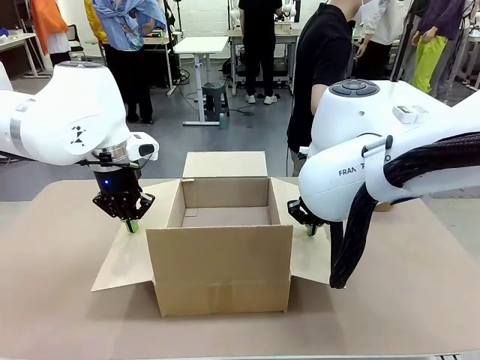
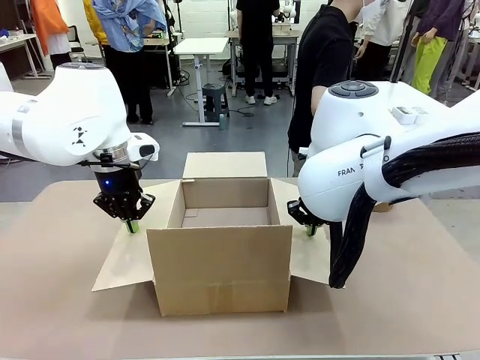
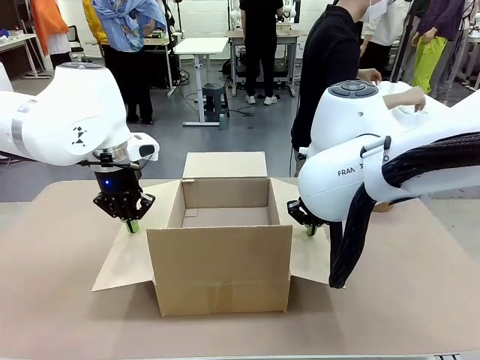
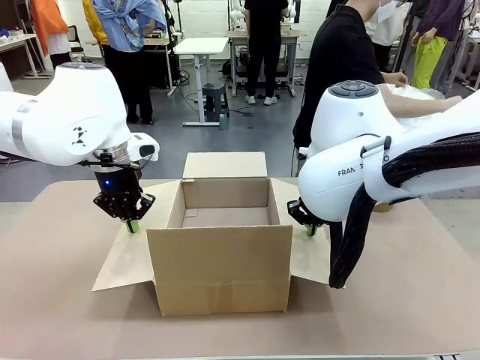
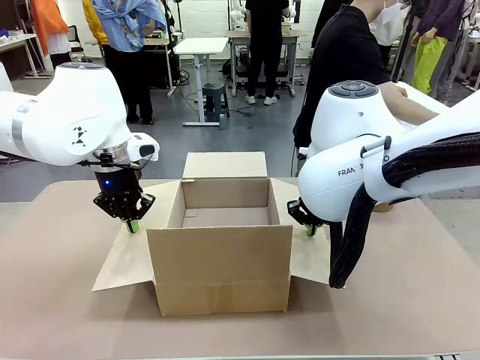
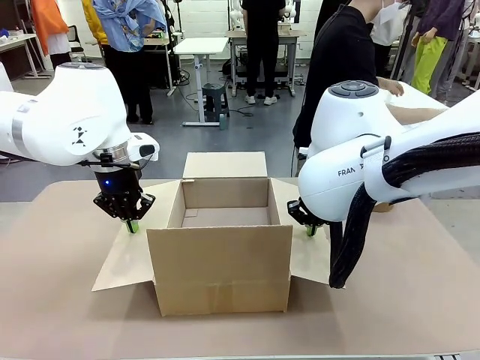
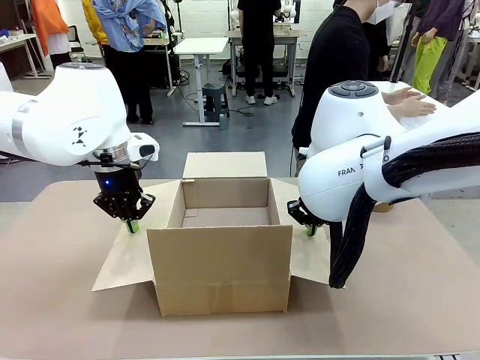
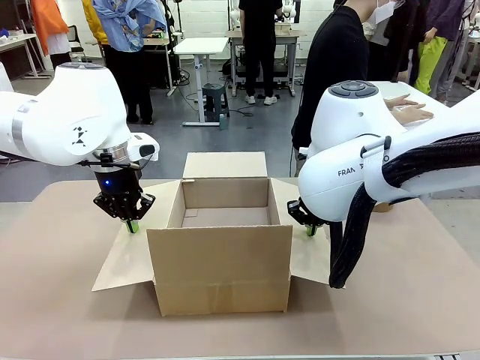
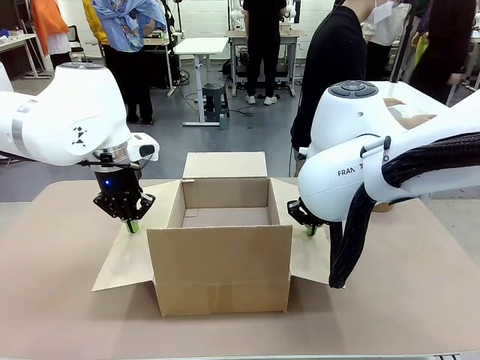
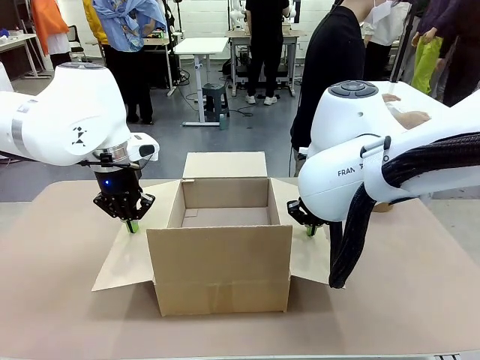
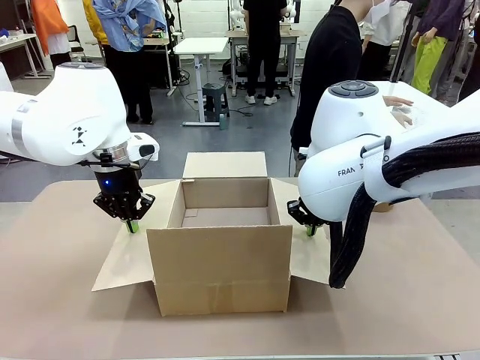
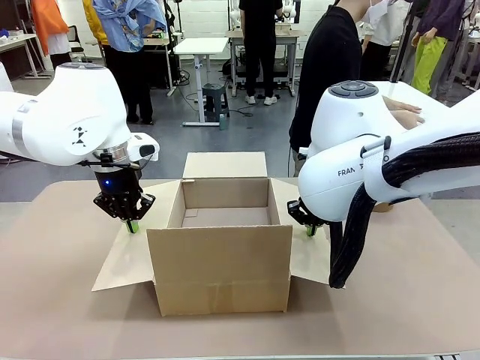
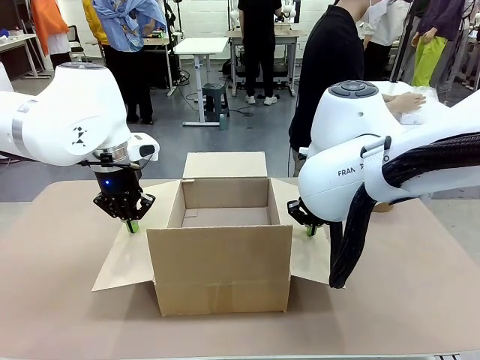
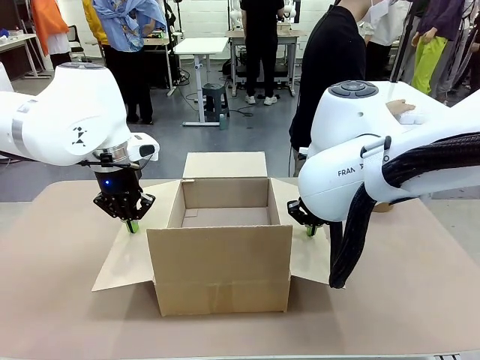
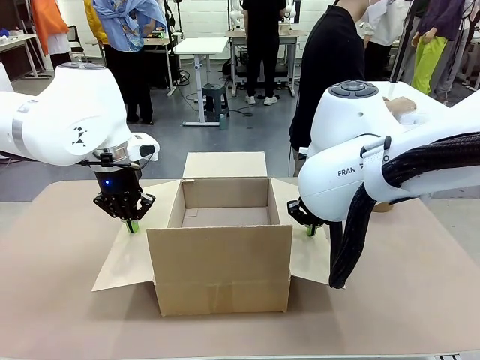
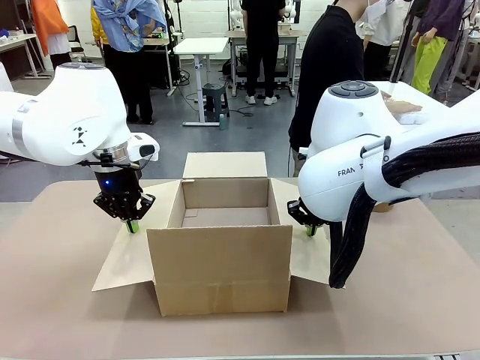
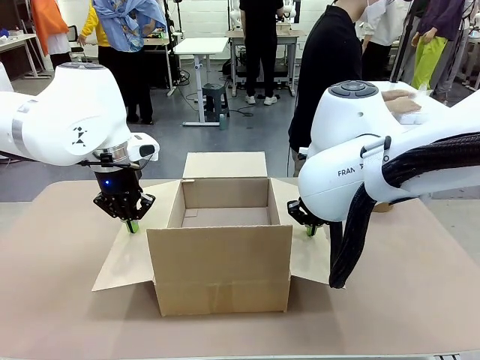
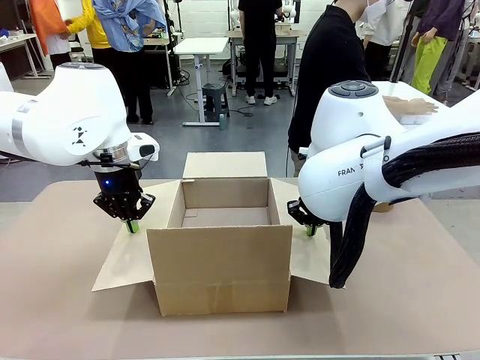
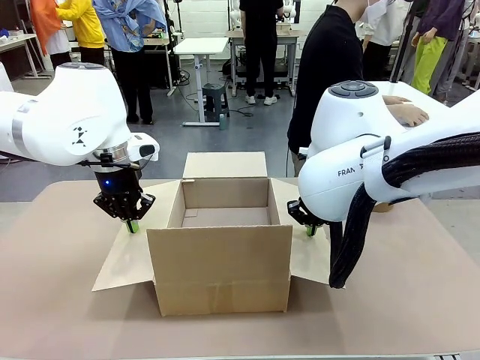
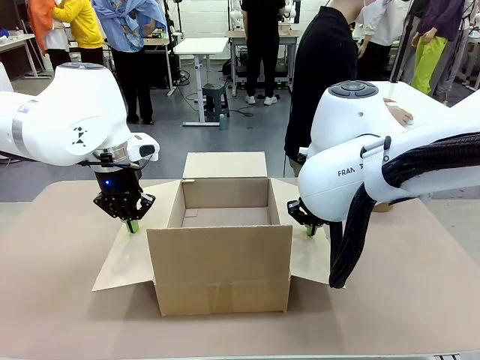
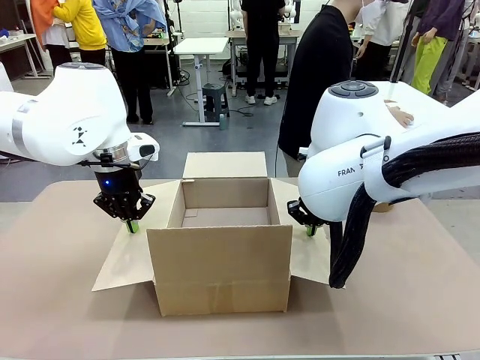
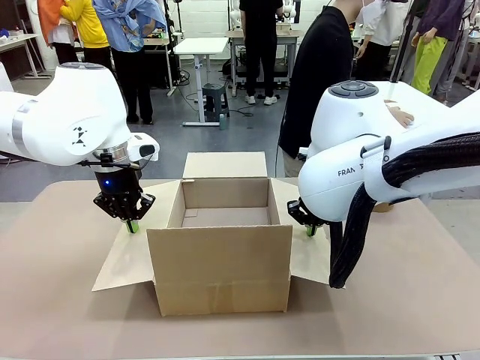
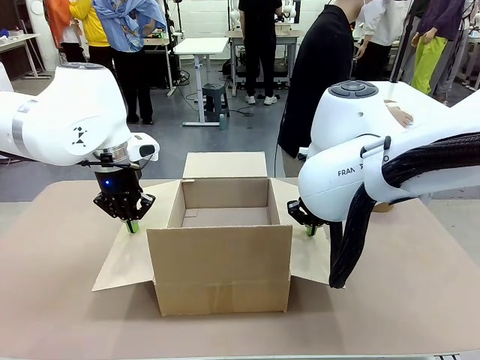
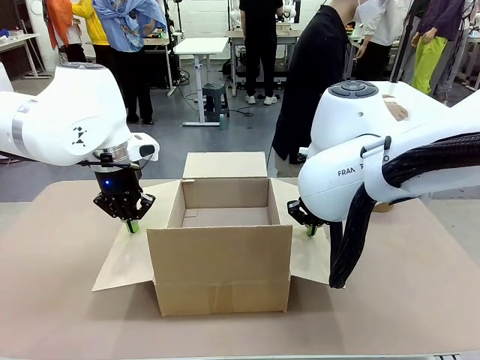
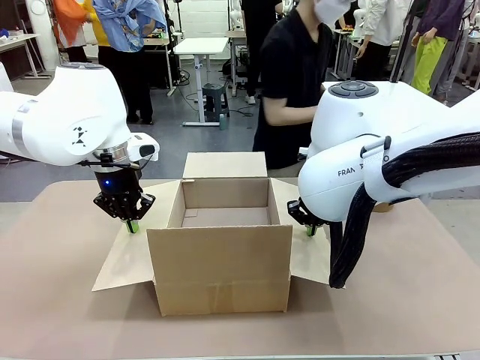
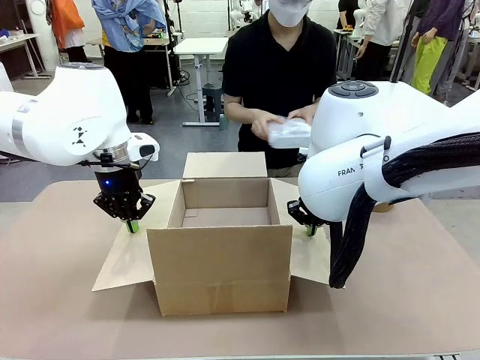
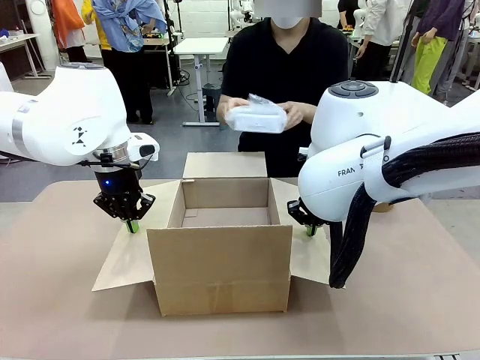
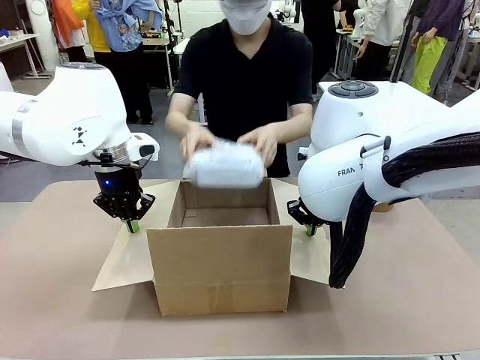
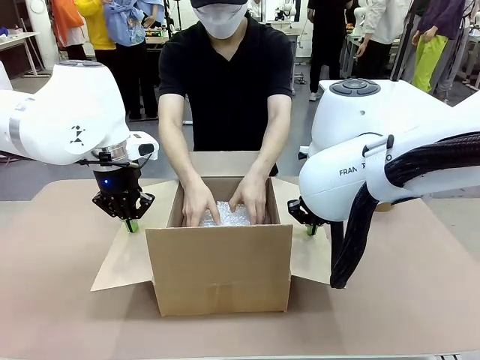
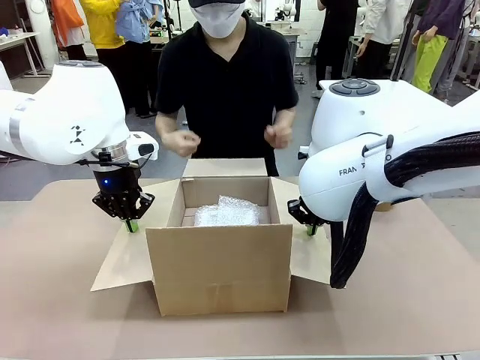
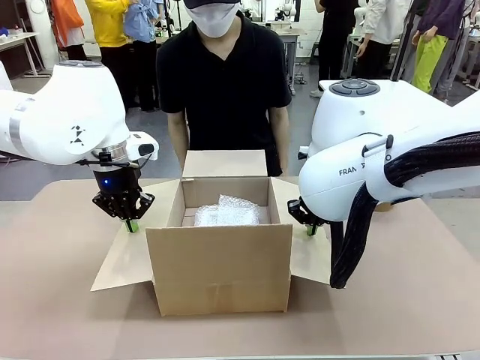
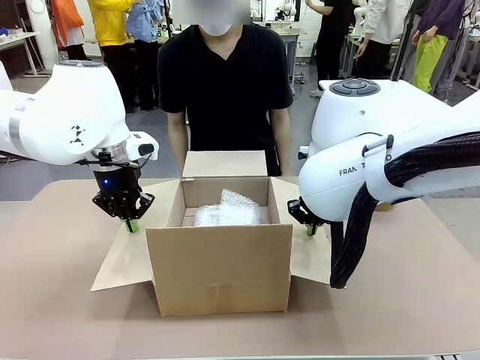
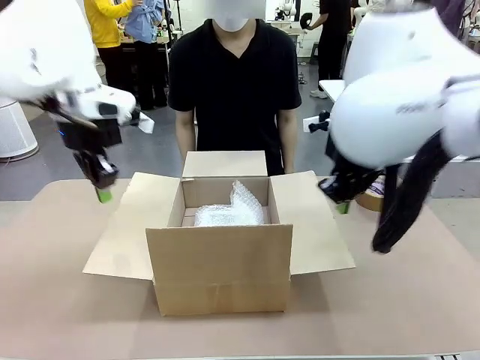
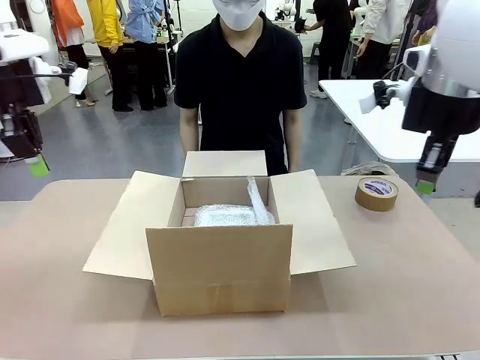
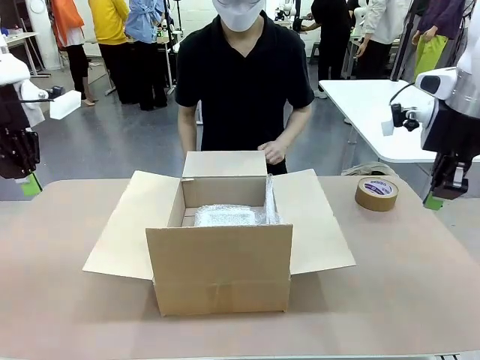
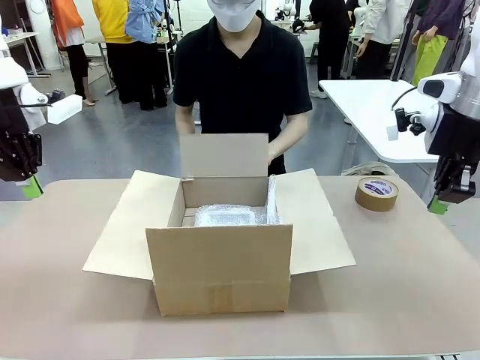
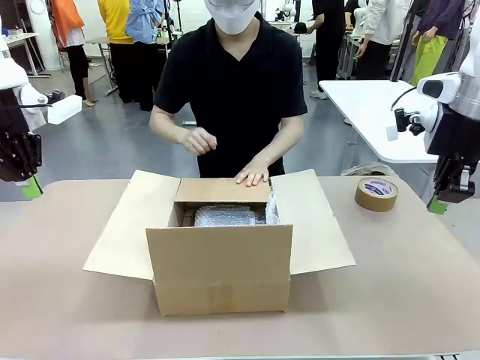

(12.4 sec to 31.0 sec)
Task: Wrap the clocks to prevent damage.
Robot: Once the human has placed the objects inside and stepped back, release both hands from the side flaps of the Package Box.
Person: Place the wrapped Digital clocks inside the Package Box. Hold the top and bottom flaps of the Package Box closed with your left (or right) hand.

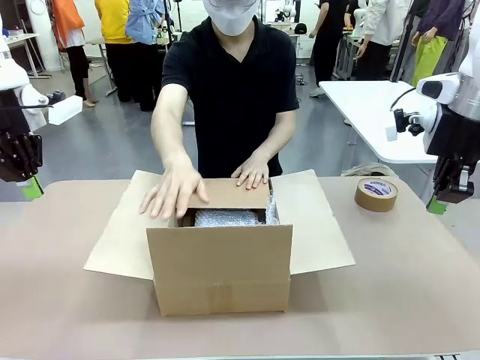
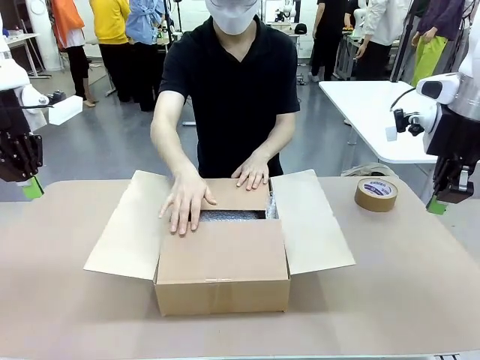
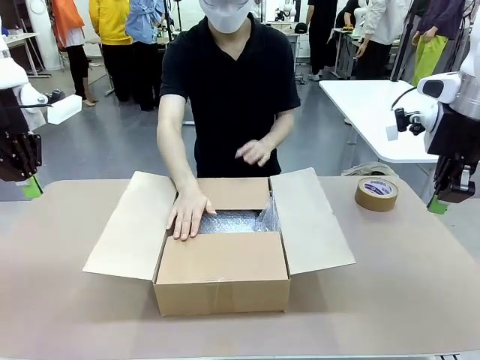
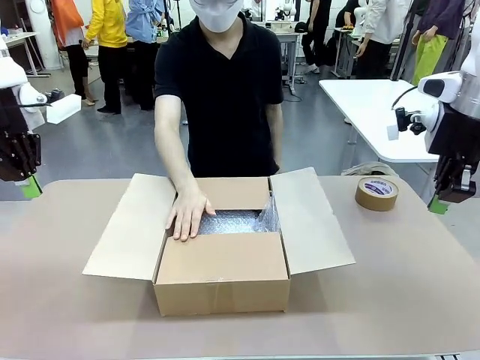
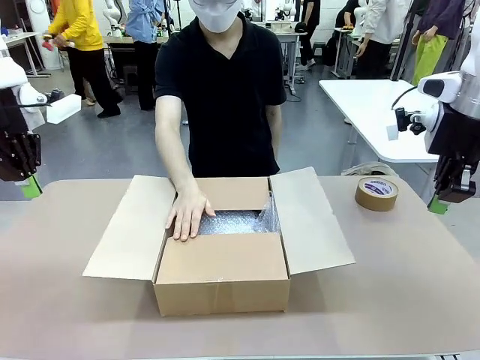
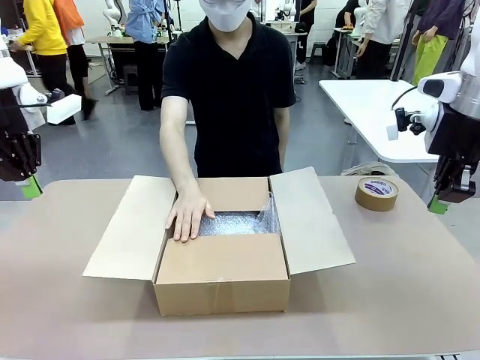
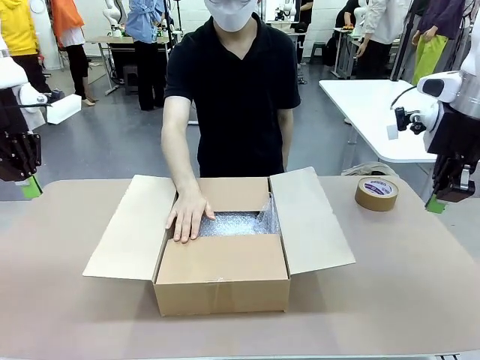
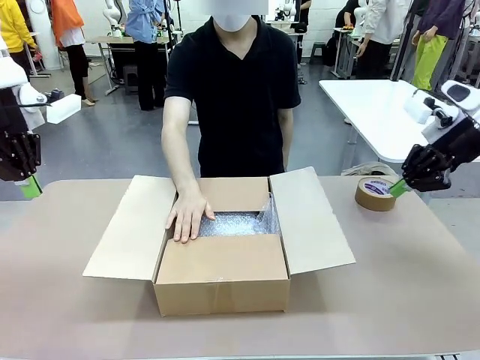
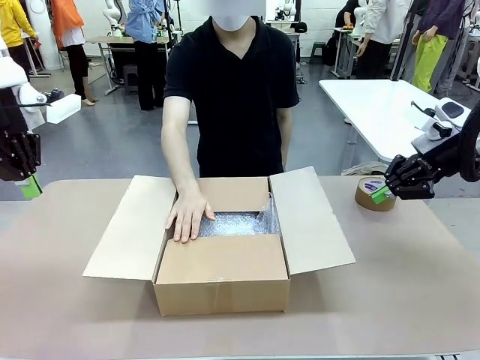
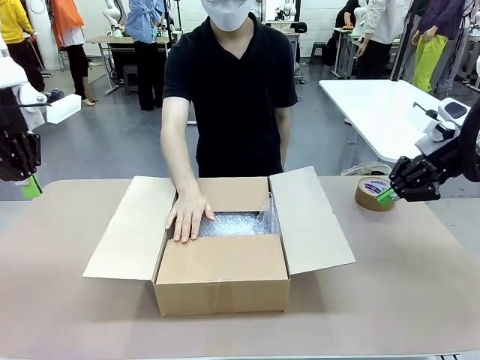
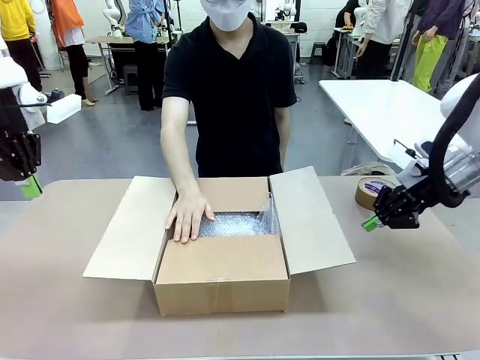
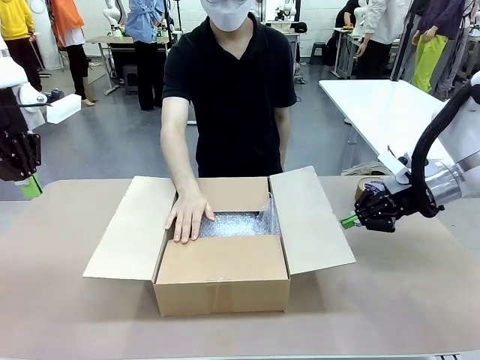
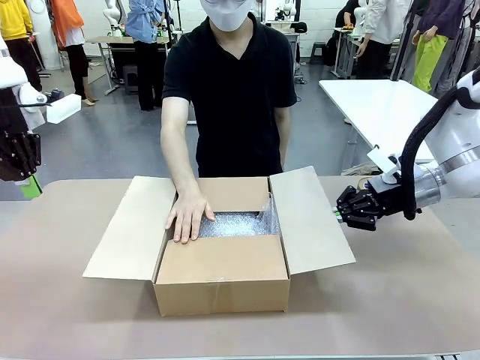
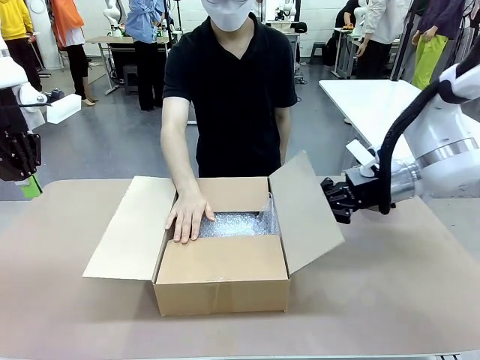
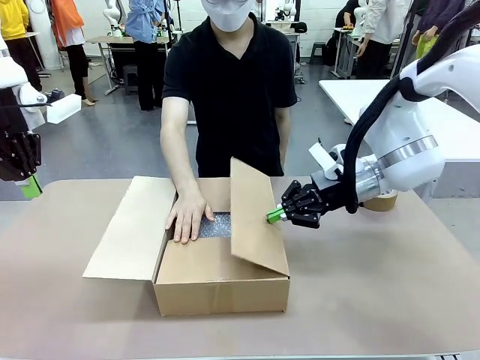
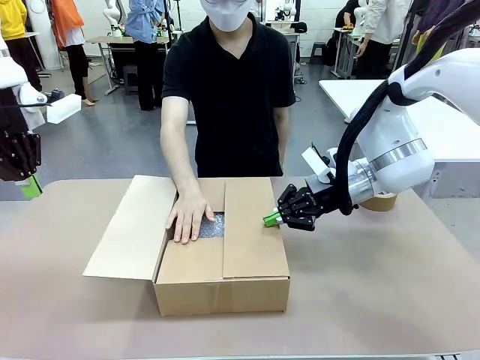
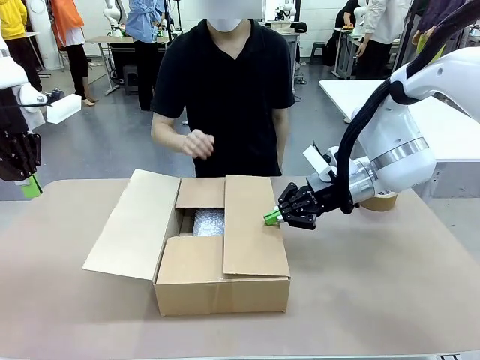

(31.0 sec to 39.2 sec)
Robot: Push the right (or left) flap of the Package Box to close it.
Person: Once the robot closes the right flap of the Package Box , release your left hand from the box.
